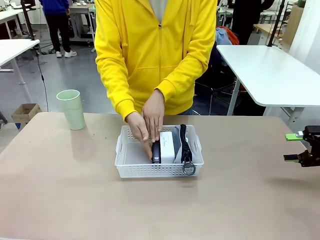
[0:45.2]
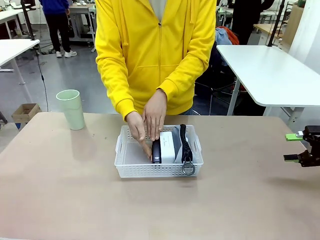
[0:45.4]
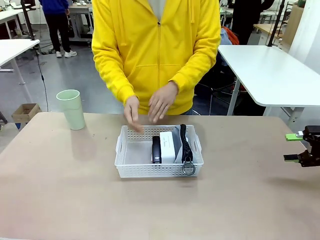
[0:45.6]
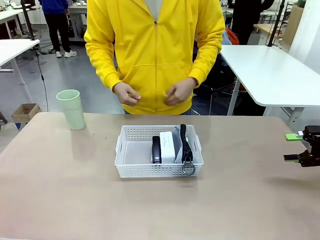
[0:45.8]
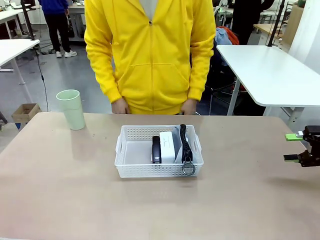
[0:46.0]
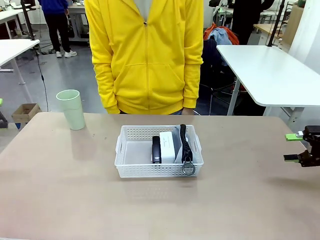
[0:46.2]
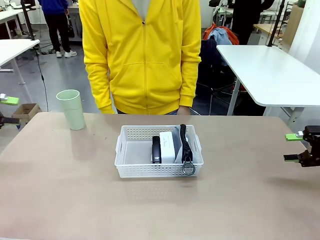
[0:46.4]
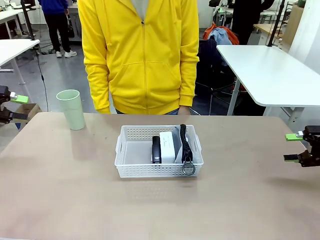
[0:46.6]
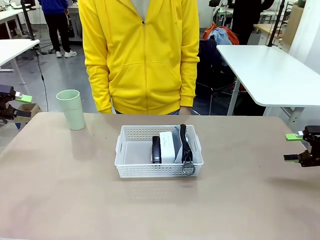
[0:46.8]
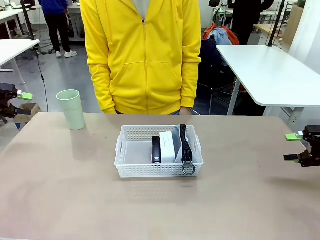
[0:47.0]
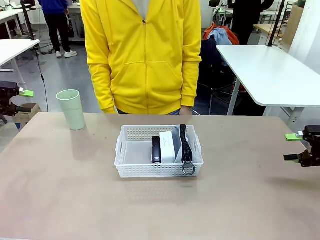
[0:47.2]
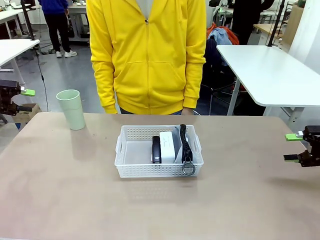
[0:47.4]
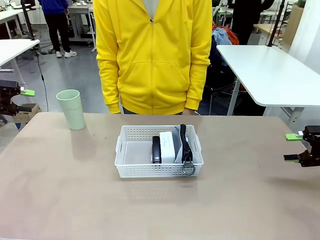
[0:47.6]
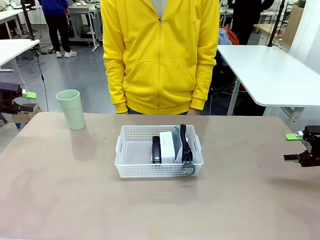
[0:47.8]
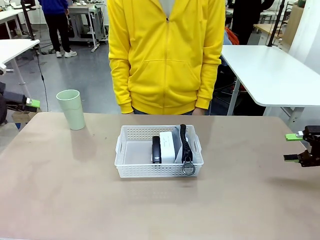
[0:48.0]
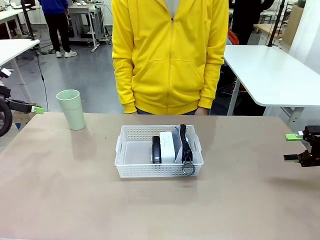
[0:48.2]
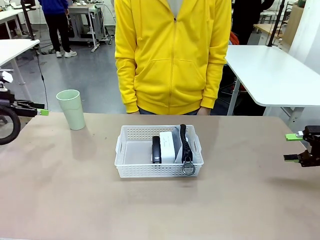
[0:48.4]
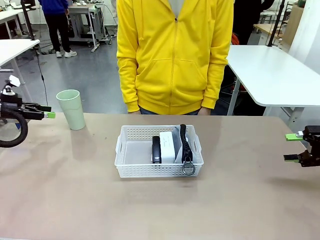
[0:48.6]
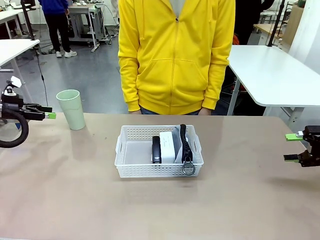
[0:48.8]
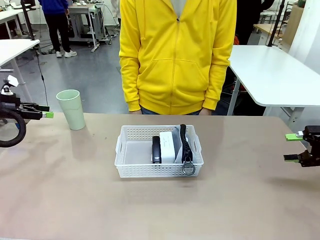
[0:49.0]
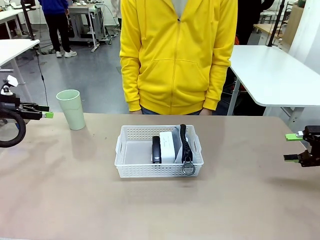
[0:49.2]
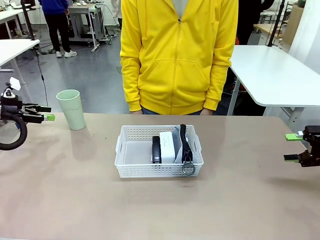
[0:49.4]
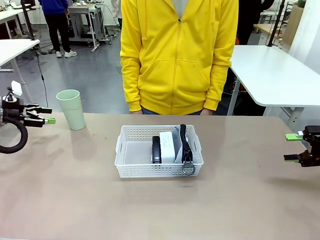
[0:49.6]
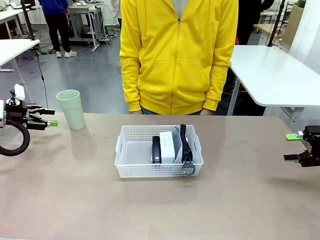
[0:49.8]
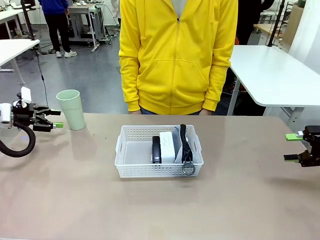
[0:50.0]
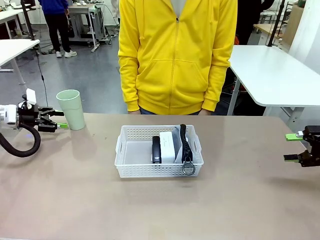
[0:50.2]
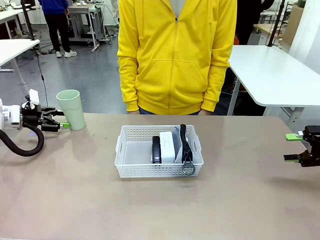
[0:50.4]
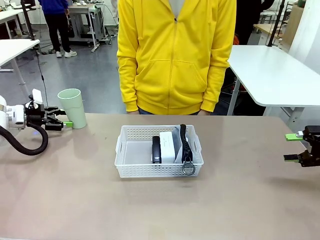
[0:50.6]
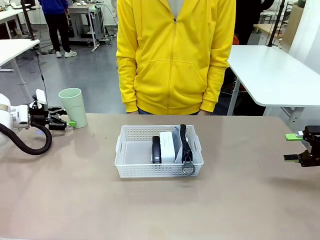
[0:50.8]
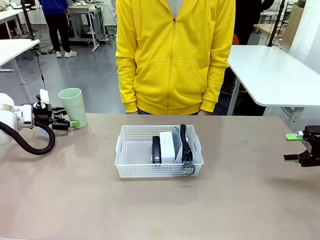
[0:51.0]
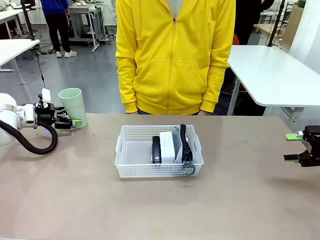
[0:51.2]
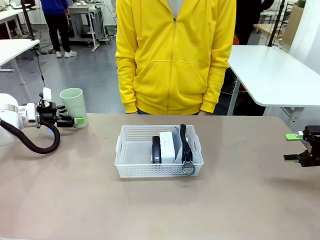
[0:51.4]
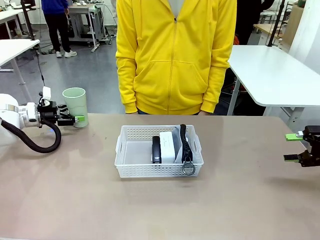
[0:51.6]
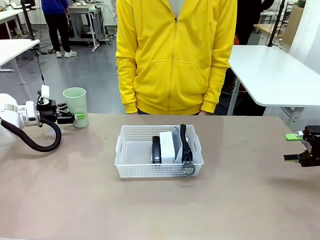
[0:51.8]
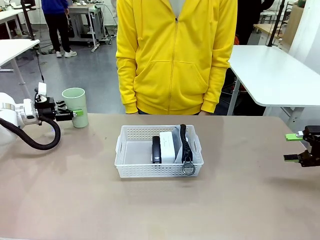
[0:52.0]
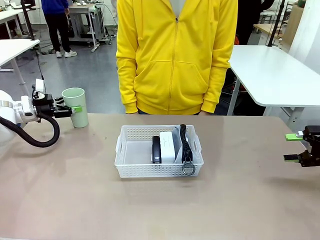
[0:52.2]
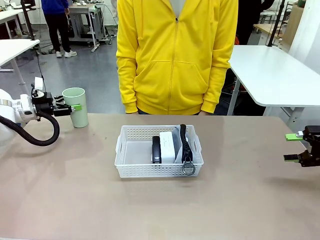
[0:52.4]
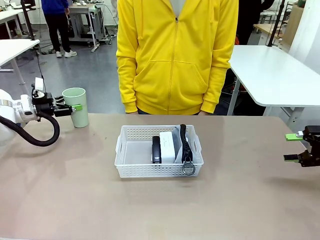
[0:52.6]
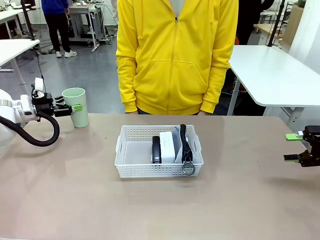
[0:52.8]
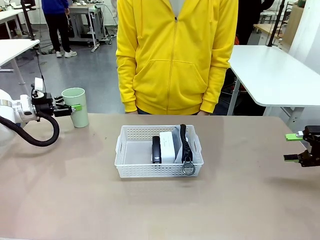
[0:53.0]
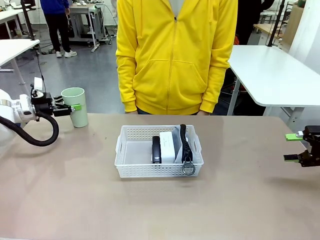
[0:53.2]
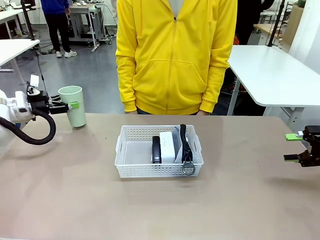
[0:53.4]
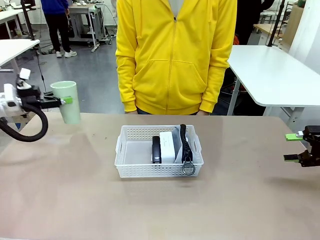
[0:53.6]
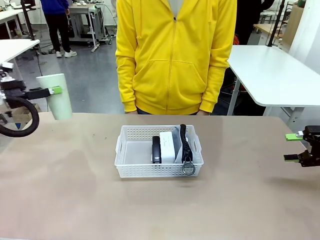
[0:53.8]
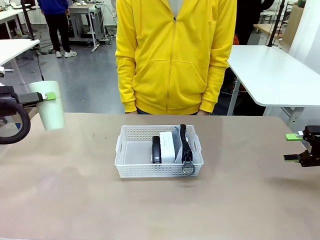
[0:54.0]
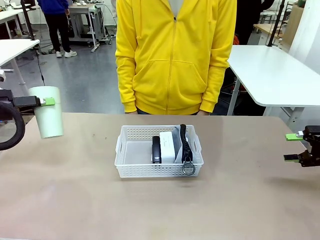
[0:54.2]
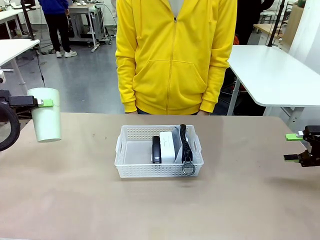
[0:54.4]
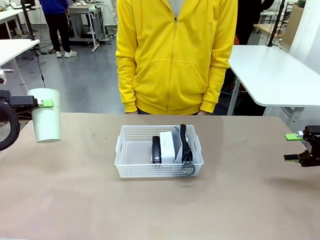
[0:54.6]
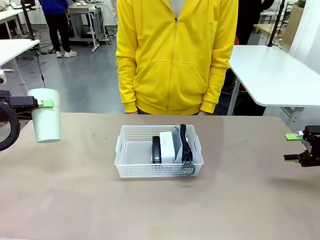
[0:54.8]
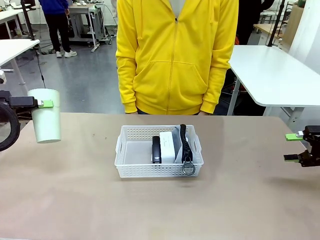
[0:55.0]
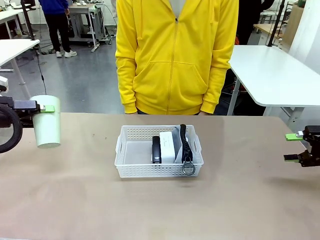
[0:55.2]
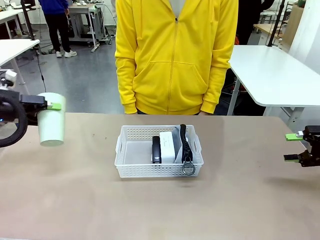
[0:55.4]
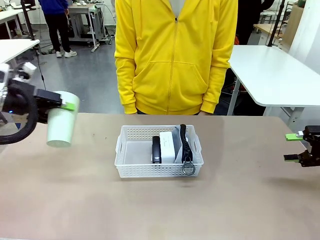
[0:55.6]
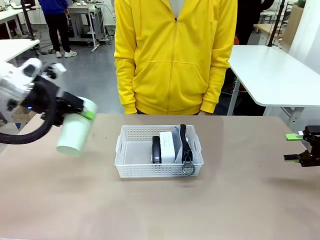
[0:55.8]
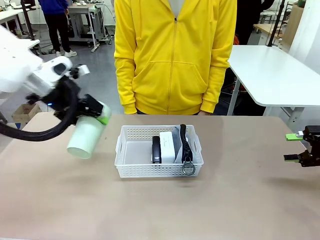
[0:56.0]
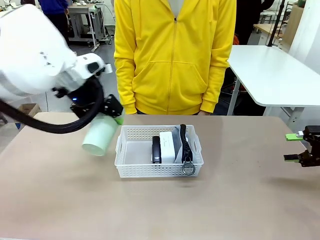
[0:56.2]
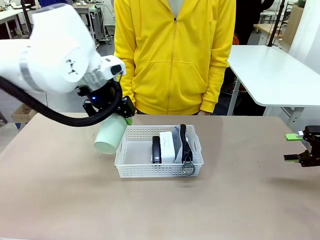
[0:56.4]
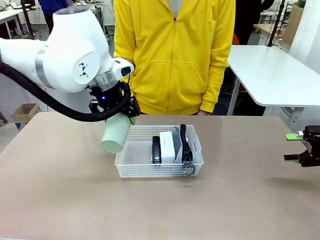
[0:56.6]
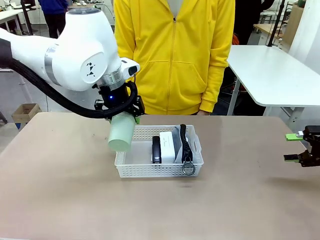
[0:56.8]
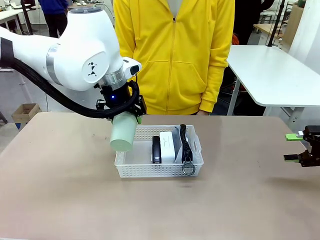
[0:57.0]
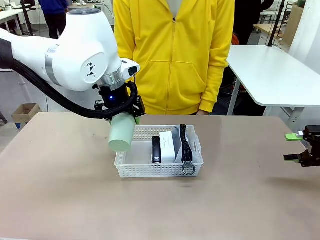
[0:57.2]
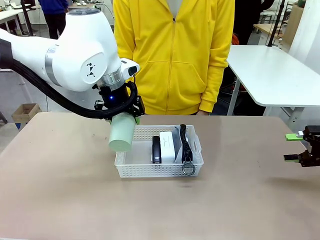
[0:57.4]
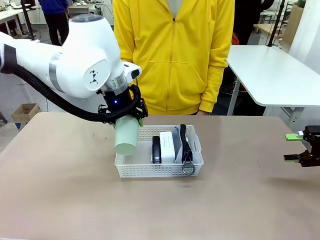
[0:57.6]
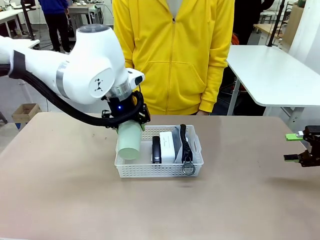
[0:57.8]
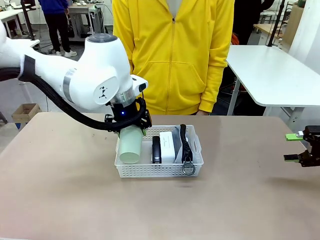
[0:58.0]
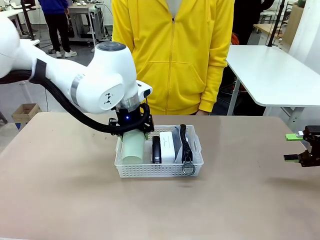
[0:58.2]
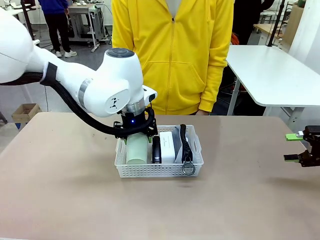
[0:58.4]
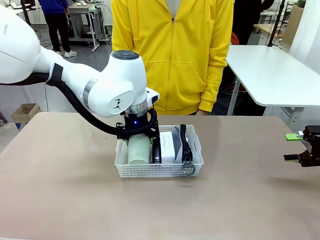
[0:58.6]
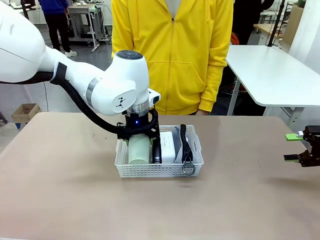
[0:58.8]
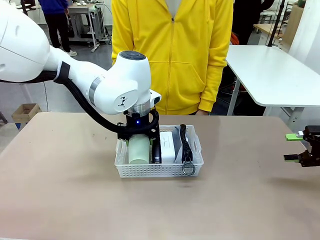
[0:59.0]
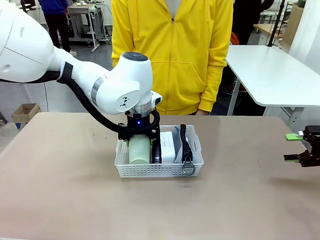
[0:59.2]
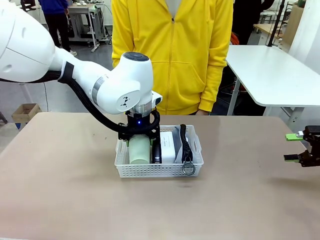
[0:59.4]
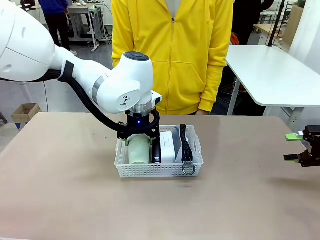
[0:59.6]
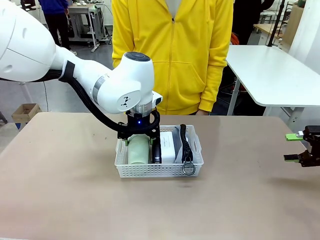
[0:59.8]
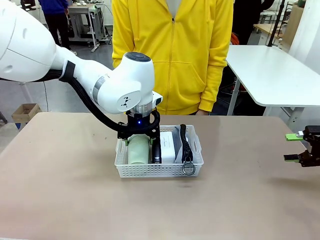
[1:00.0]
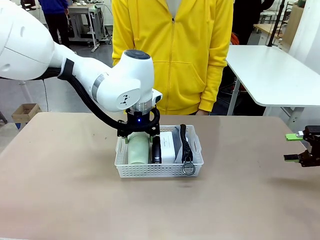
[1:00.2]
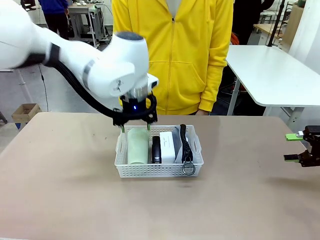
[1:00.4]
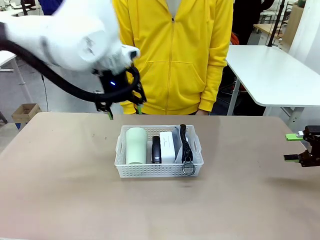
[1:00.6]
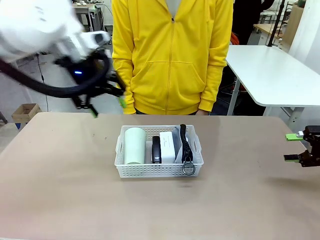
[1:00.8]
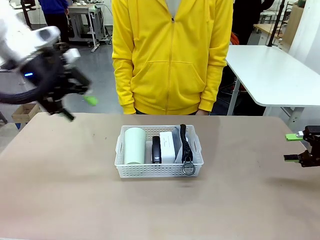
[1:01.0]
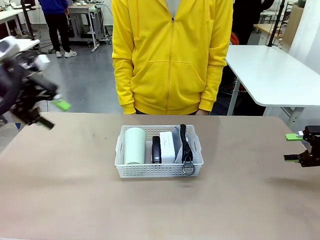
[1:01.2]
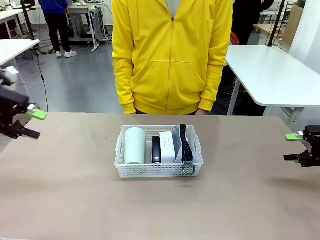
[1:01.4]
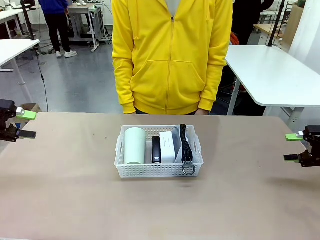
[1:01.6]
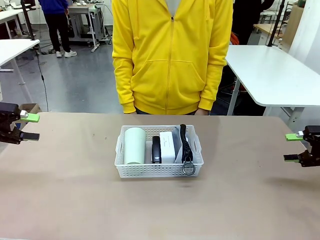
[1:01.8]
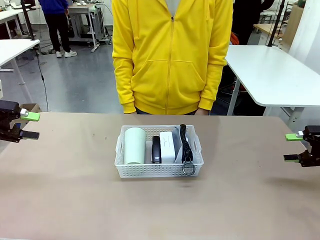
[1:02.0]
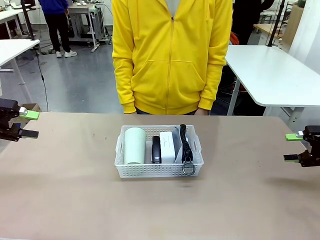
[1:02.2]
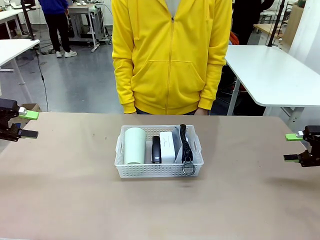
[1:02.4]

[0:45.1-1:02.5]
Task: Efficiently arrange items inside the basket to fit them all.
Robot: Pick up the Reusable plastic cup and place it inside the Organizing basket.
Person: Repositions the stapler.
